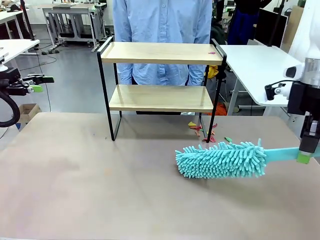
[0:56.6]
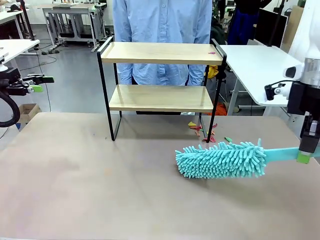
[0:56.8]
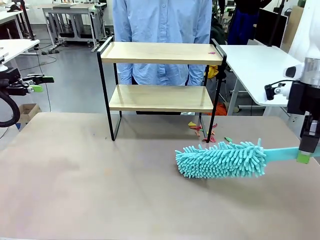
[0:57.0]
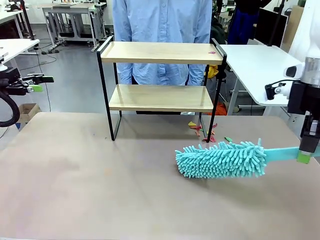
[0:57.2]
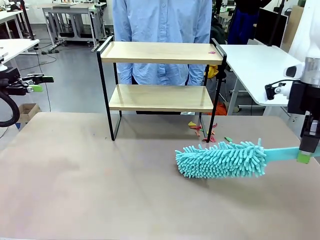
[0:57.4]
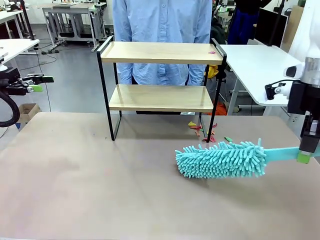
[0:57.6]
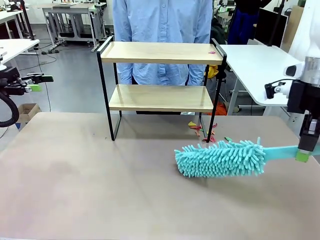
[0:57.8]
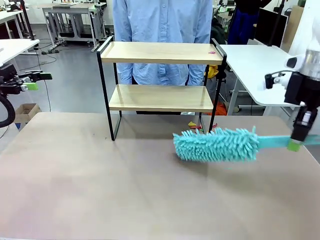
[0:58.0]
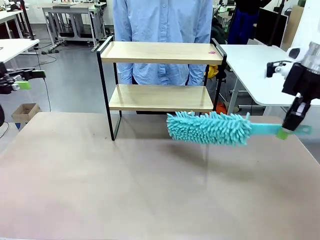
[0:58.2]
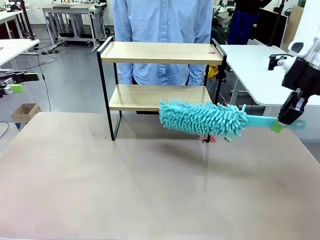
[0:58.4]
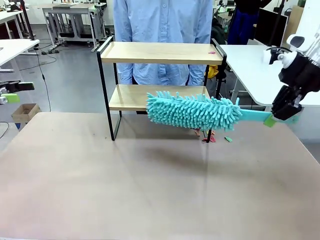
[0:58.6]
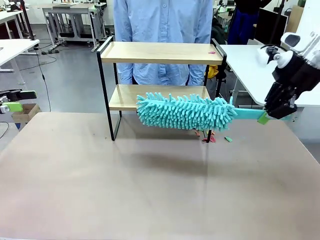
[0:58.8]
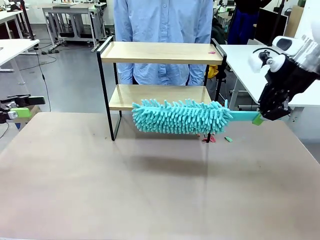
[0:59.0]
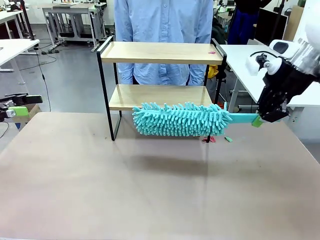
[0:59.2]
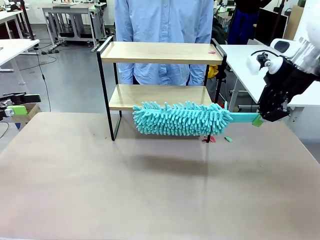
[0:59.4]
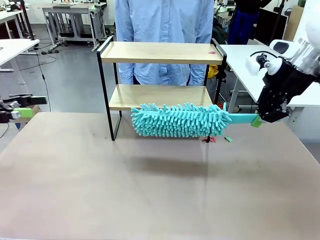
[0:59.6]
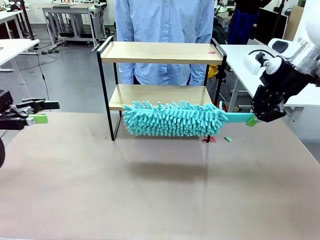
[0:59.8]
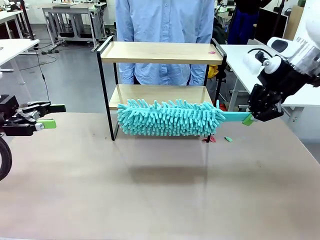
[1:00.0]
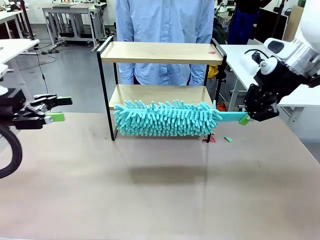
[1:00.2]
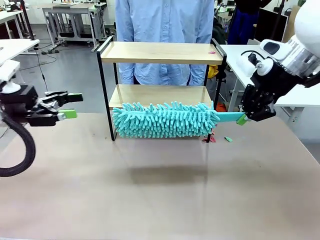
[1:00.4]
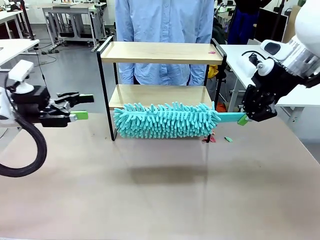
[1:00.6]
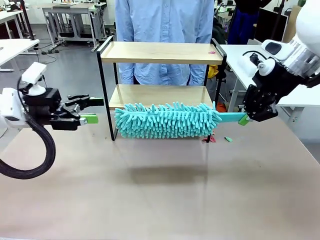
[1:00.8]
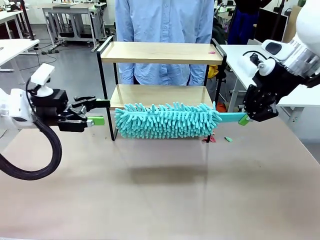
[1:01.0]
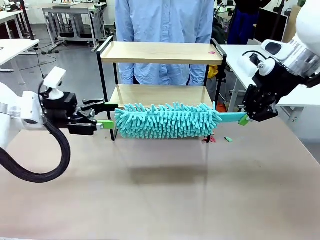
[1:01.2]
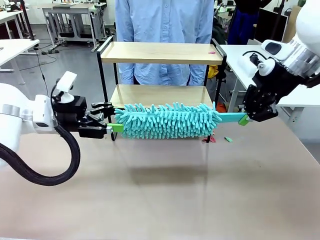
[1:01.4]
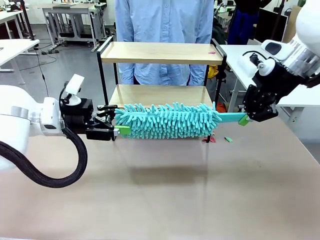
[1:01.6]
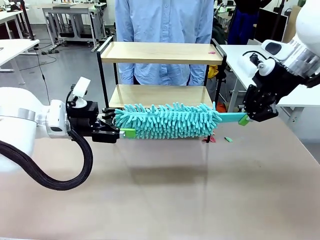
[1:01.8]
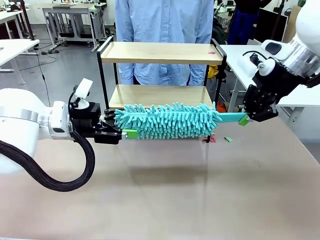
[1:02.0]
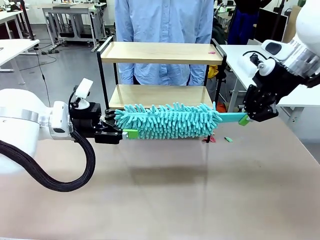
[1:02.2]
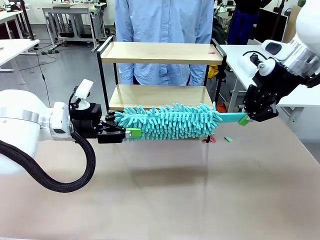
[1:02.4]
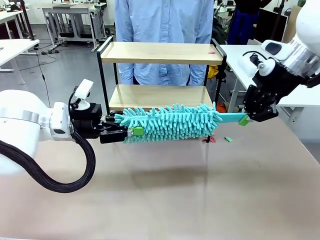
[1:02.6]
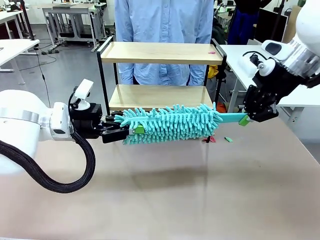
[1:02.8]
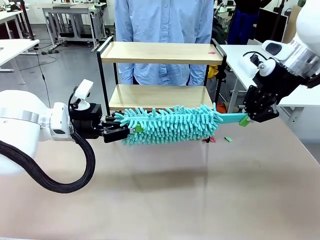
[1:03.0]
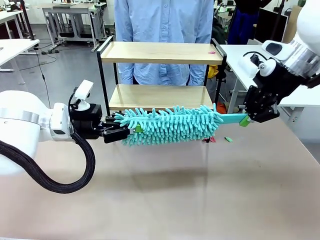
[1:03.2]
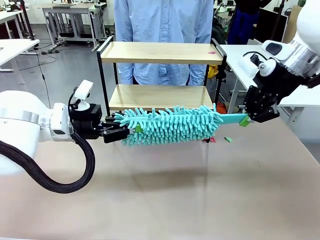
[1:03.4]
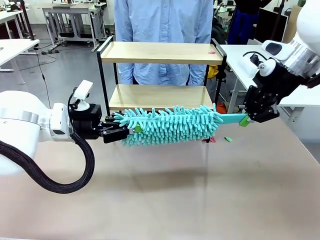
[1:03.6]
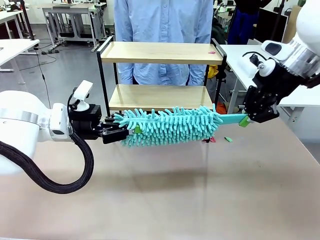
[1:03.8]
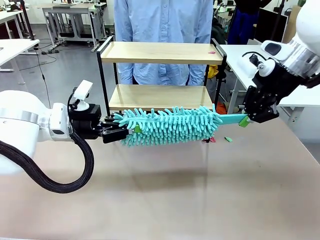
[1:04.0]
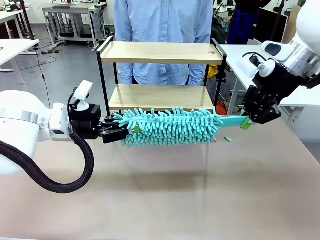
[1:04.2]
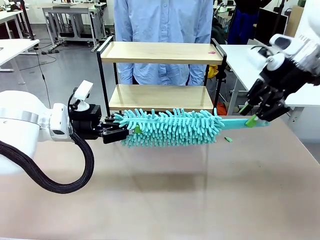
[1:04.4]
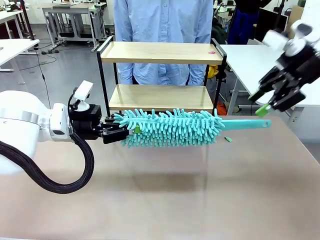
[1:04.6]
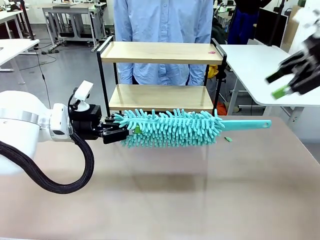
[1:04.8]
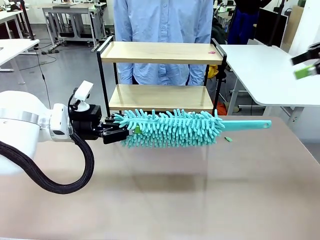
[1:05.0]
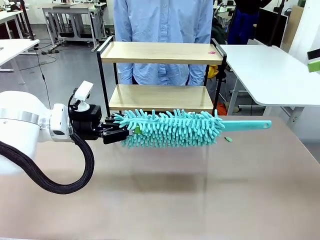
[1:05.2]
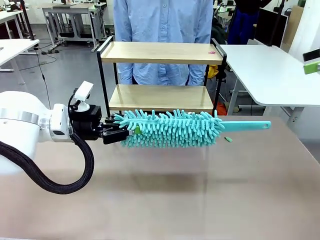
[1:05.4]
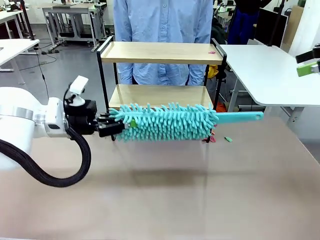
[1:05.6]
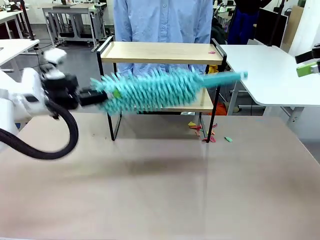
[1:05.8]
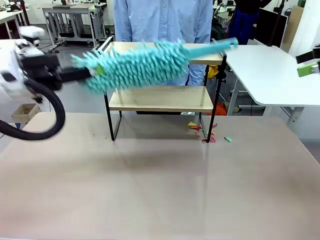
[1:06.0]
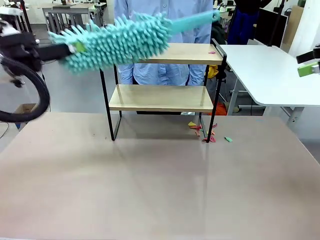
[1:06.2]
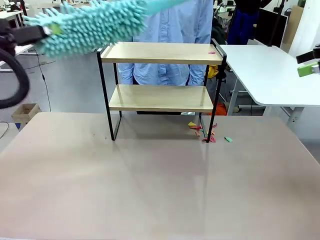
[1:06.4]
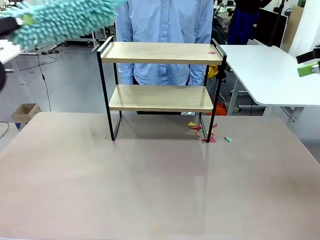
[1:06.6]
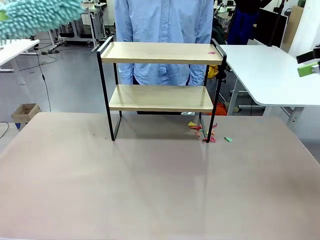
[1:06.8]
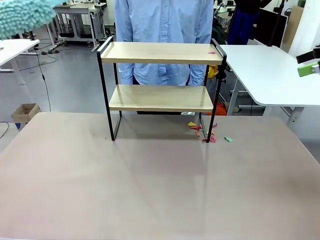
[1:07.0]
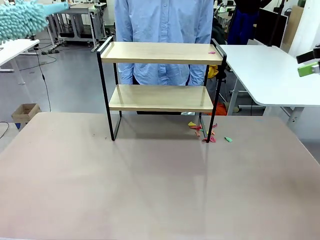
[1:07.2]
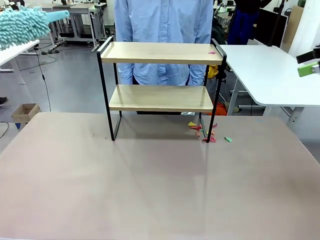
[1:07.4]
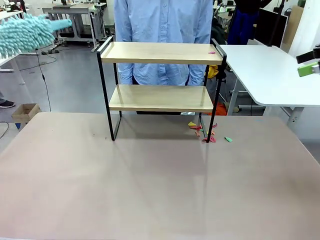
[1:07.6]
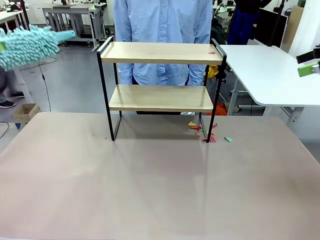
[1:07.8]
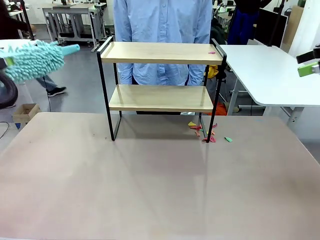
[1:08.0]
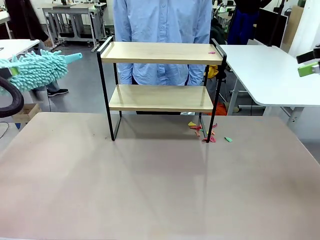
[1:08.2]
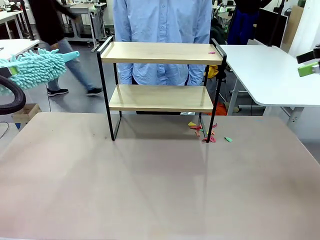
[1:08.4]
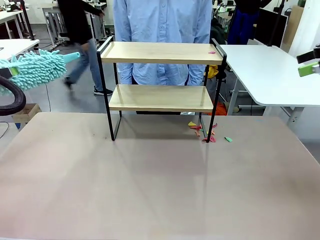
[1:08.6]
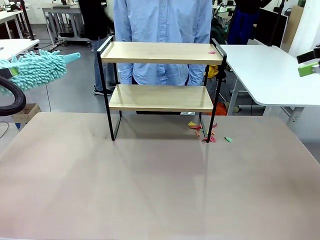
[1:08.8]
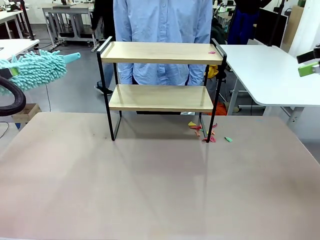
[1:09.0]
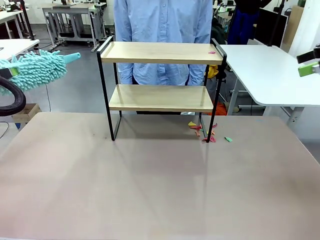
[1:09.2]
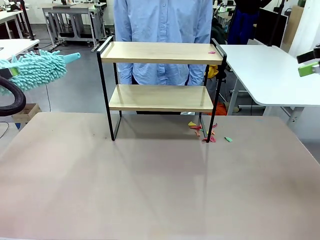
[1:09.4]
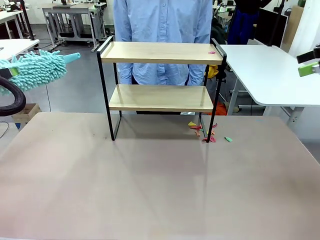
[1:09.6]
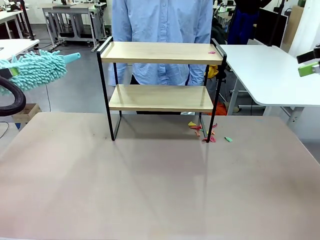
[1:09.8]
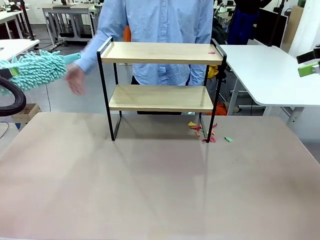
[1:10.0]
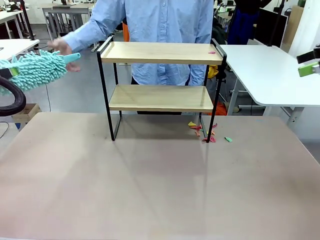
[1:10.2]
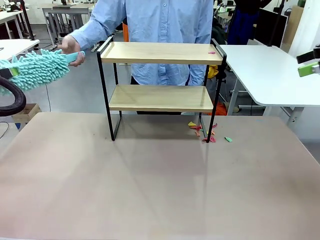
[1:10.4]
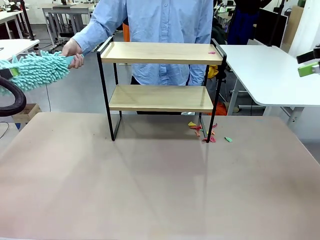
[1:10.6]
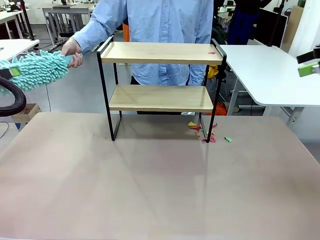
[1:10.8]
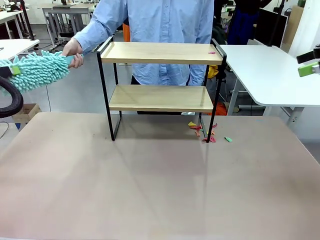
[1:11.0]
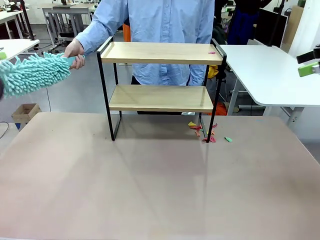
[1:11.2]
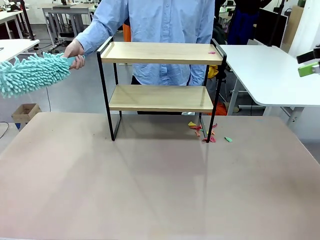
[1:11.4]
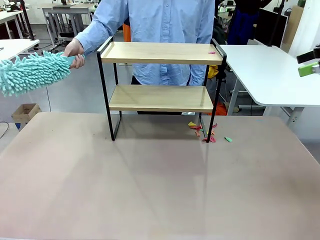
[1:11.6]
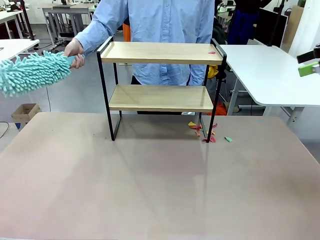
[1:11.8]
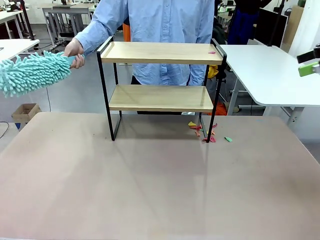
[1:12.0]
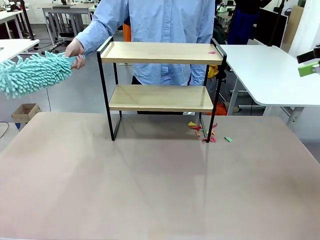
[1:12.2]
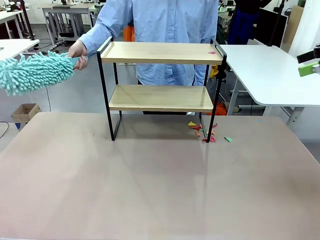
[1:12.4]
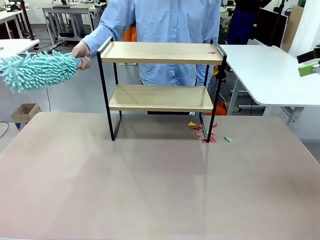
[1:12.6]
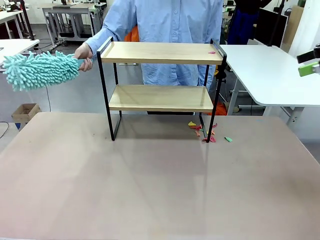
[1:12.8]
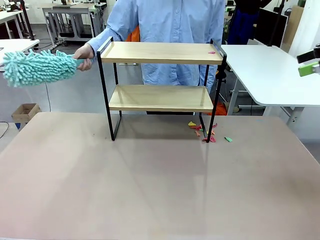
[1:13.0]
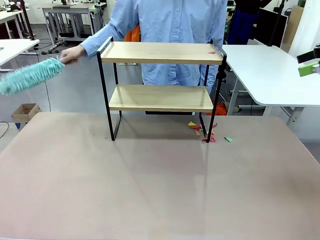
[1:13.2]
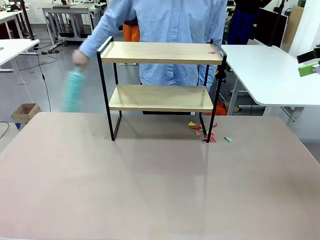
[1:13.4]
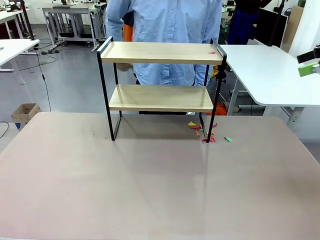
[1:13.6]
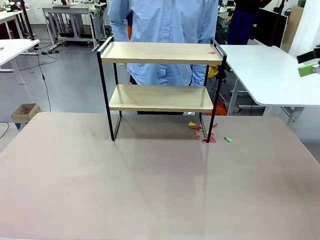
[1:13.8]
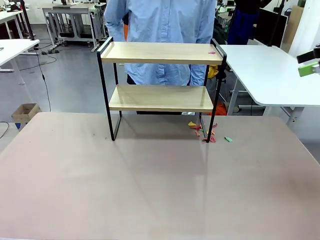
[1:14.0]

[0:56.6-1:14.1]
Task: Clean the shelf.
Robot: Hand the Duster back to the human.
Person: Receive the Duster from the robot.
